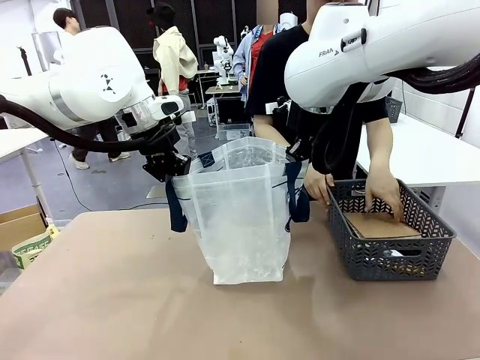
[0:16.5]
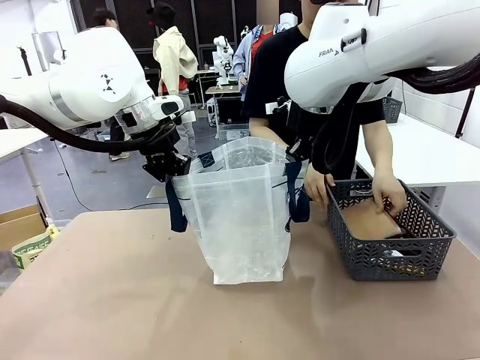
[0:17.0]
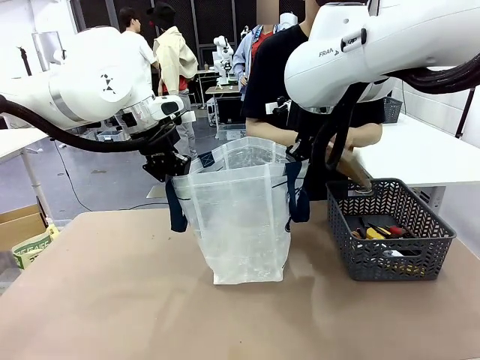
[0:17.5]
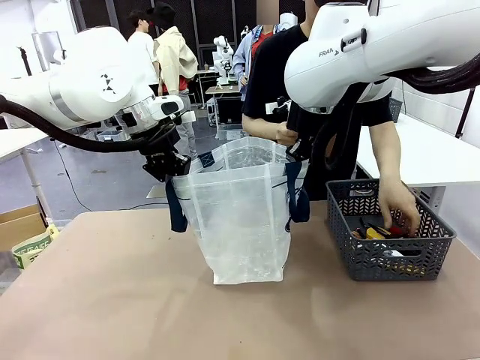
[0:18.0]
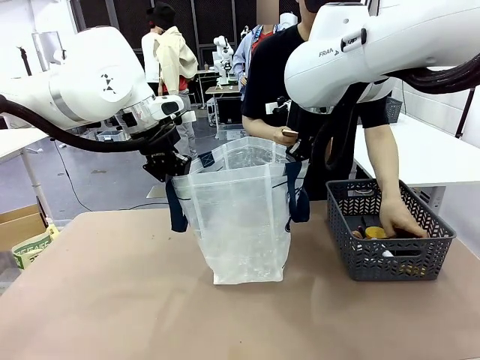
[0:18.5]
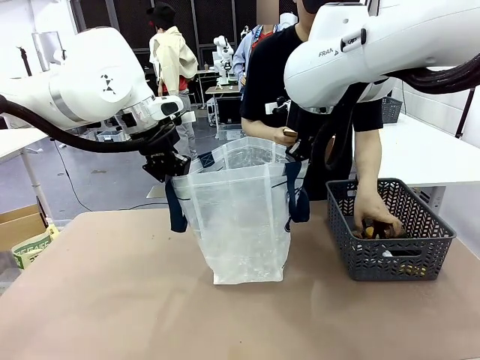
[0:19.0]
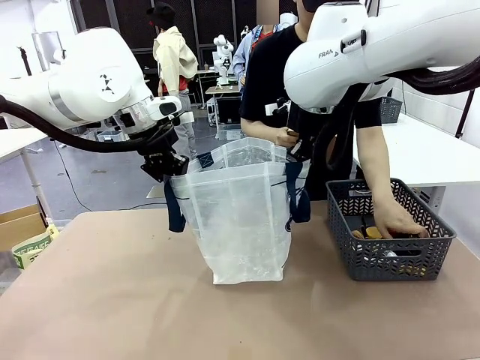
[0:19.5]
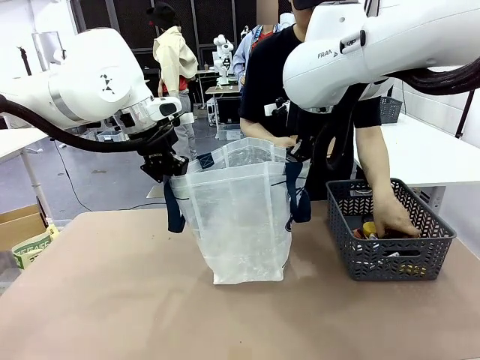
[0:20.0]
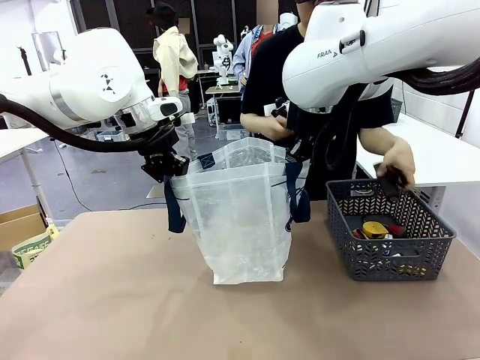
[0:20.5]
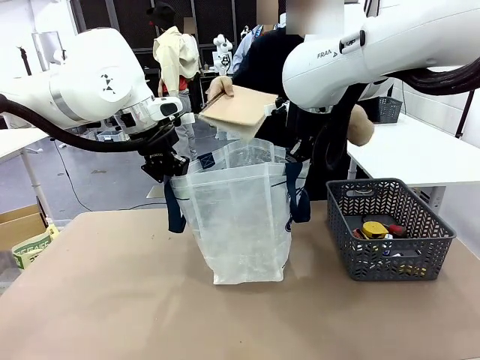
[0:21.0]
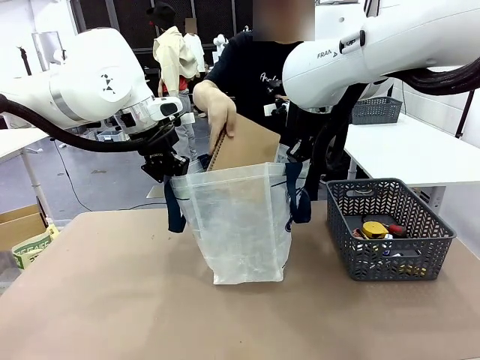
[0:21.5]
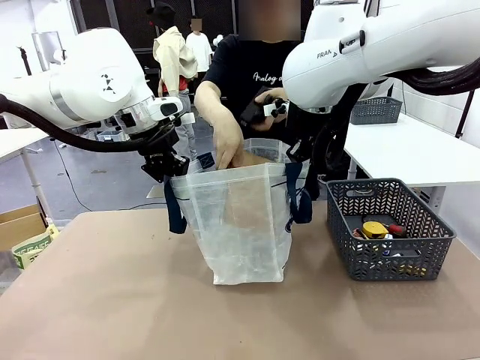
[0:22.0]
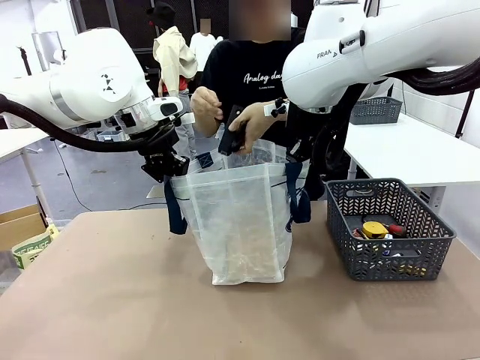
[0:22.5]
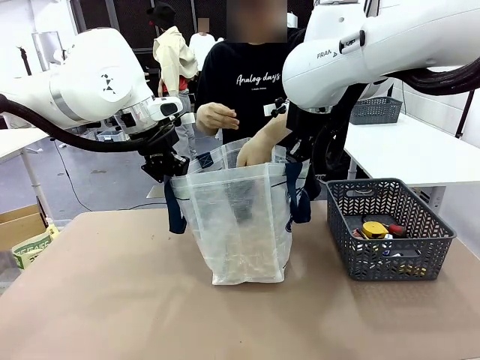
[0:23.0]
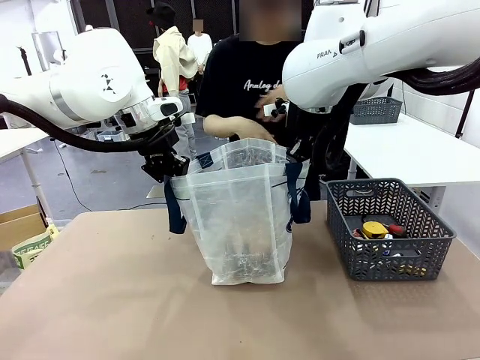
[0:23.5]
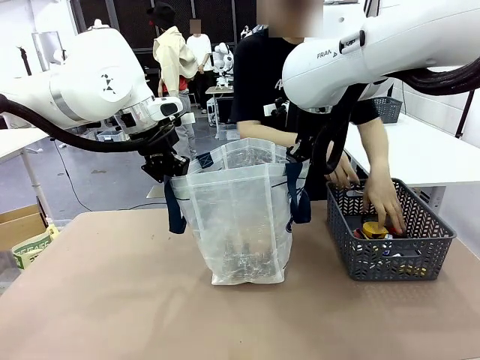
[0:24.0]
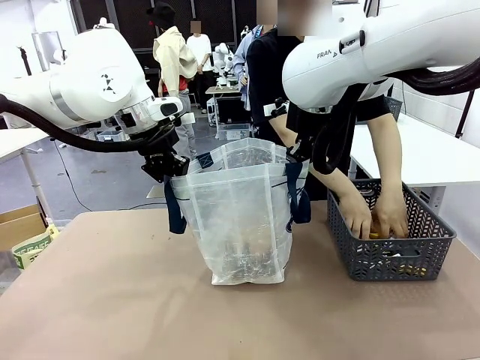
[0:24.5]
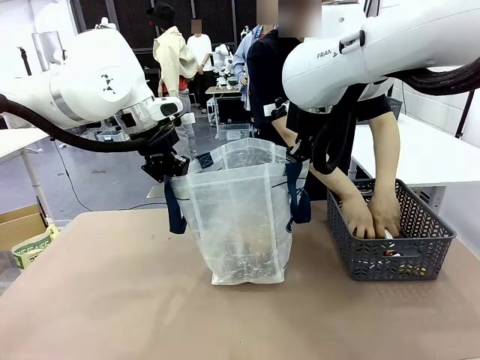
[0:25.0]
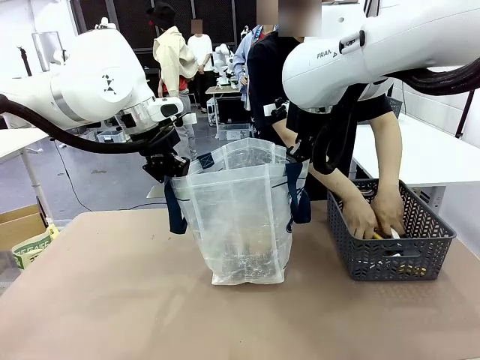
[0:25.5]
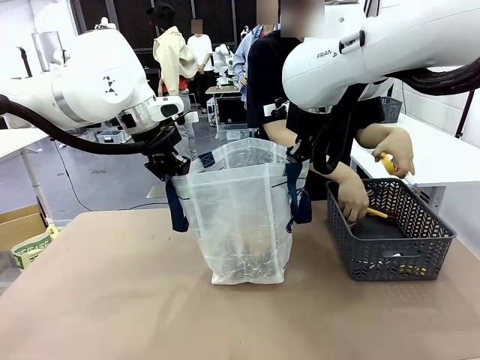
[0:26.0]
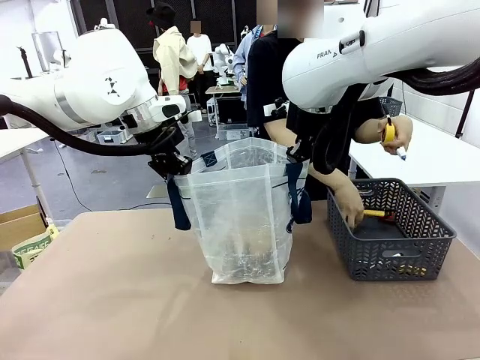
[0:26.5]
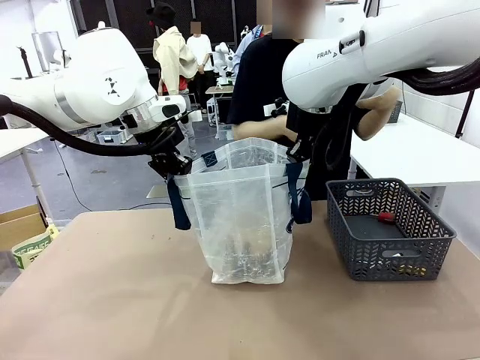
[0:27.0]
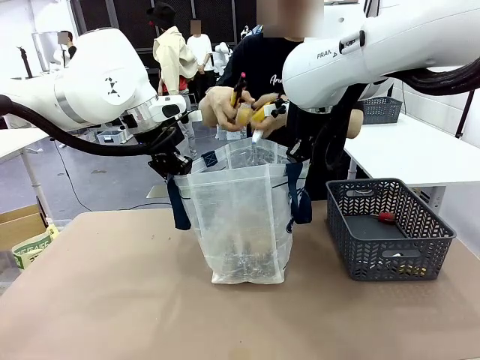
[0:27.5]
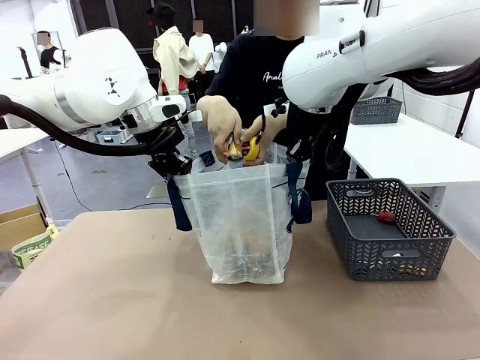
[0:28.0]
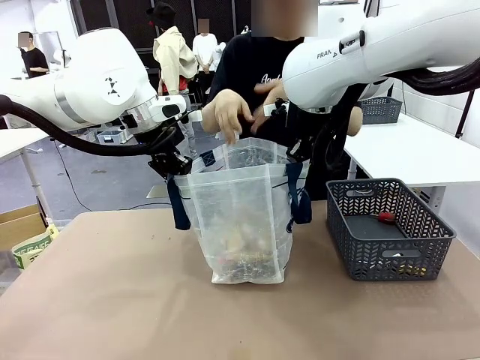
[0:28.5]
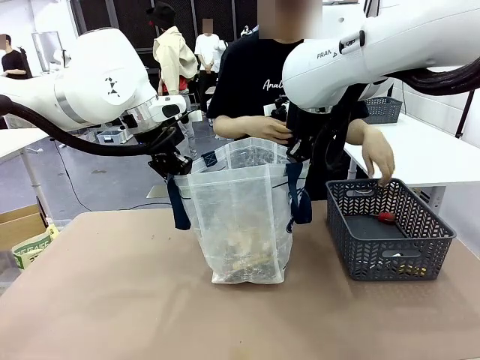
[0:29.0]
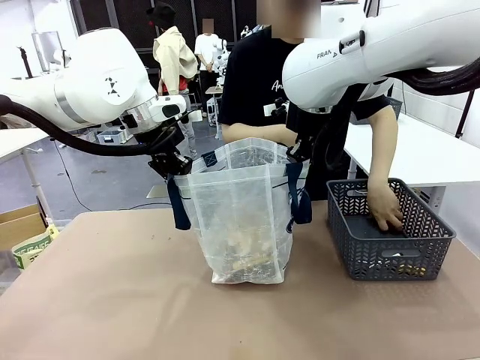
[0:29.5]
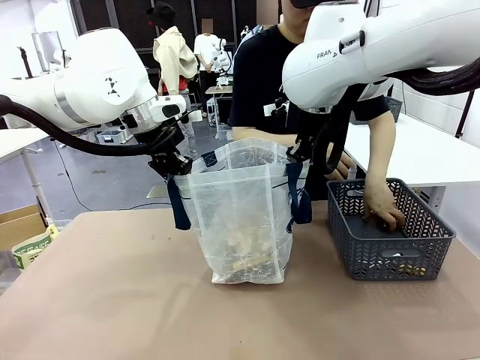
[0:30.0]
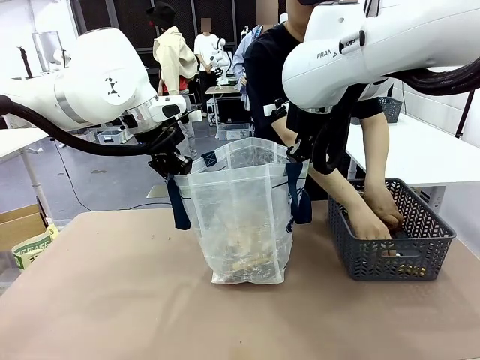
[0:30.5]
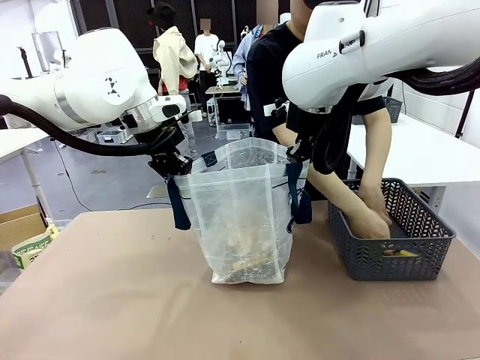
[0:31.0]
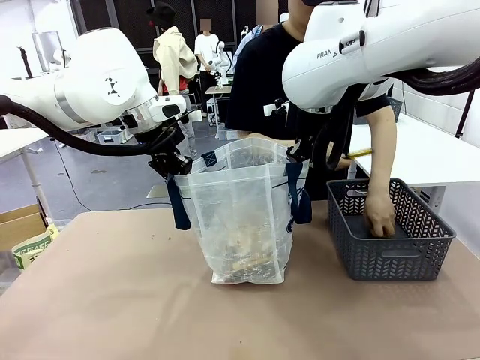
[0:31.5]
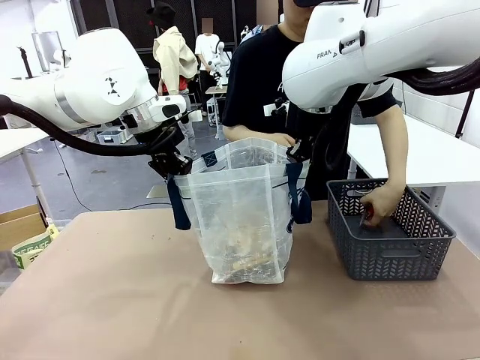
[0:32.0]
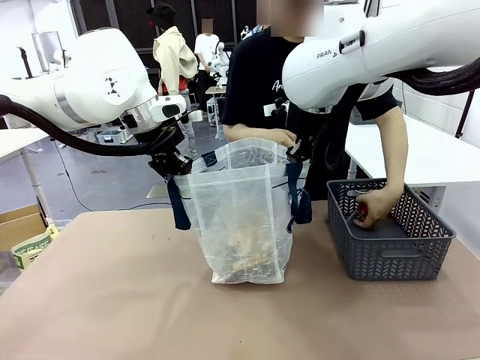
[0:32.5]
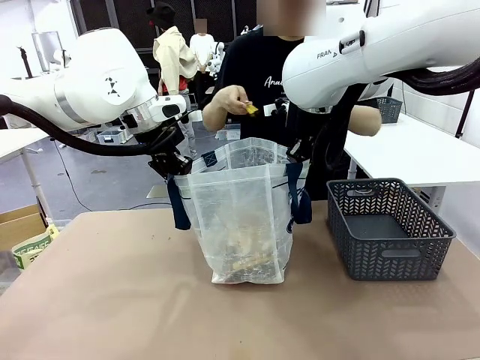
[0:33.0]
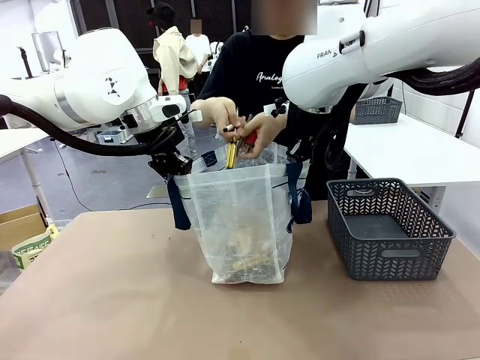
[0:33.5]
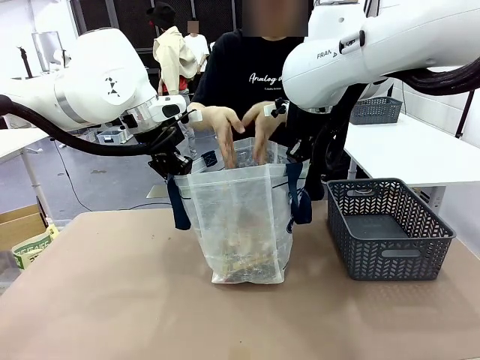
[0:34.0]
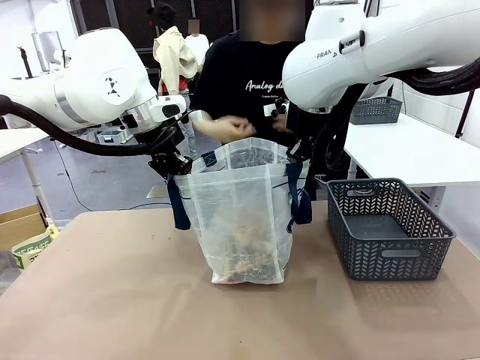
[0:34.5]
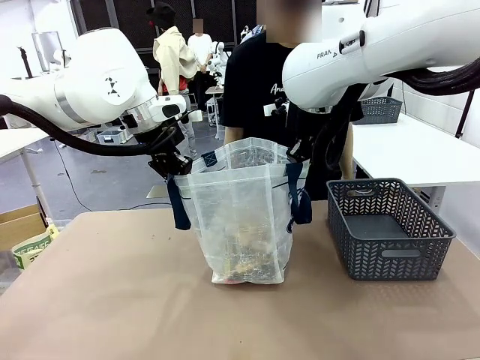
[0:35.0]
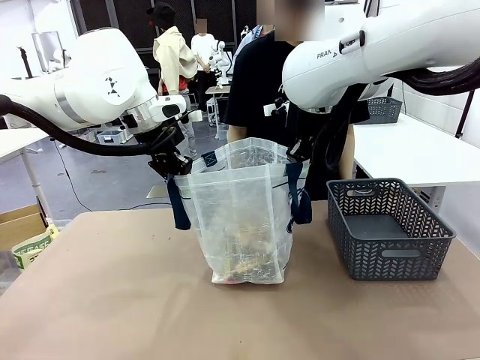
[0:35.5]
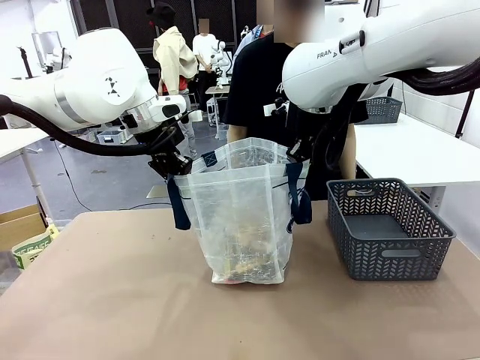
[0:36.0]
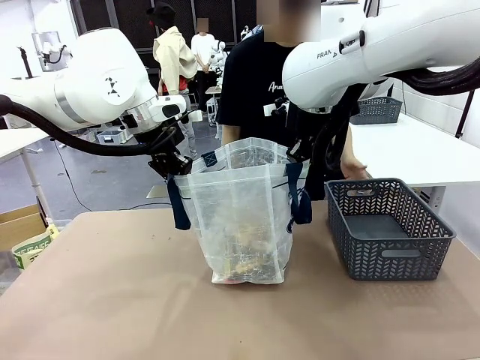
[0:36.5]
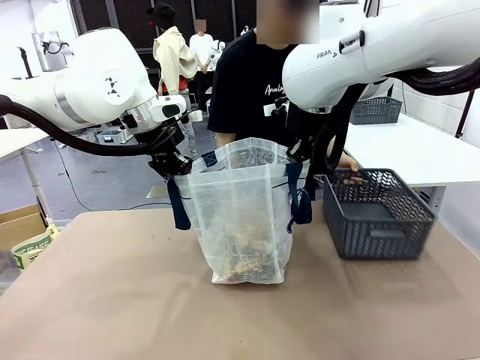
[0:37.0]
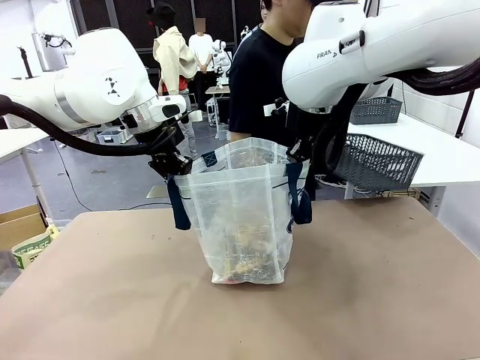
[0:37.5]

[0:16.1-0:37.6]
Task: Transfer purchased items from the store into the shopping bag.
Robot: Move the Reusable shopping bag to the right side of the table.
Person: Pick up the basket on the right, place it on the left side of the robot table, and move the items in the basket to the shopping bag.
